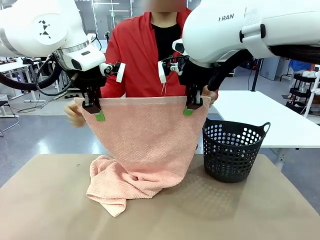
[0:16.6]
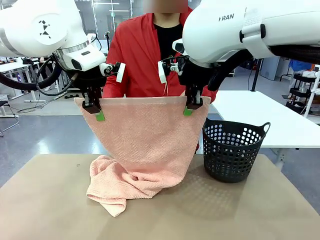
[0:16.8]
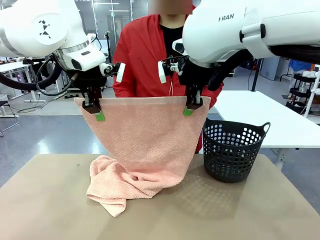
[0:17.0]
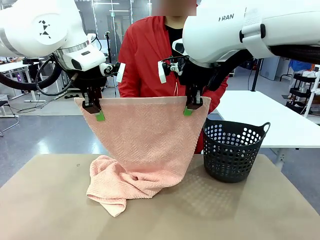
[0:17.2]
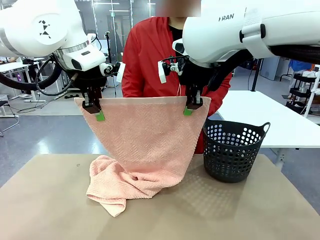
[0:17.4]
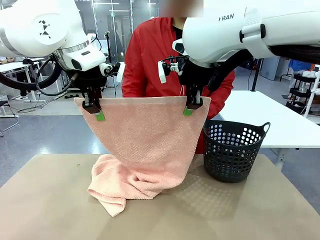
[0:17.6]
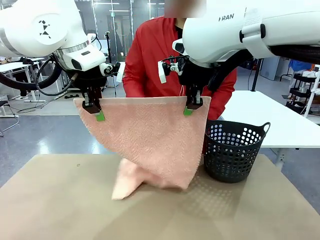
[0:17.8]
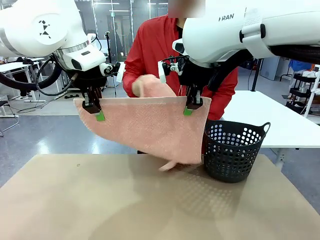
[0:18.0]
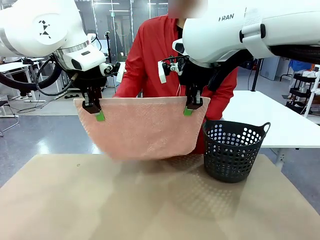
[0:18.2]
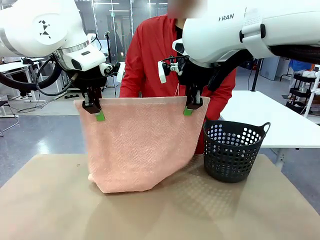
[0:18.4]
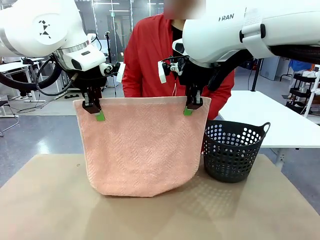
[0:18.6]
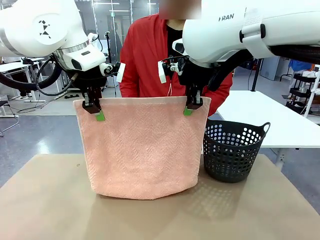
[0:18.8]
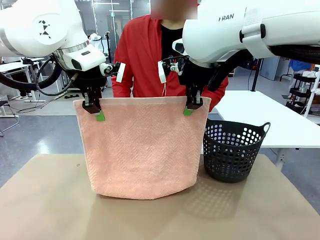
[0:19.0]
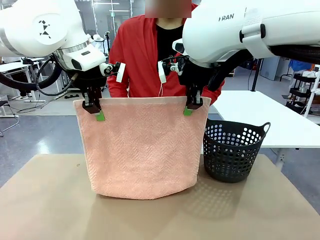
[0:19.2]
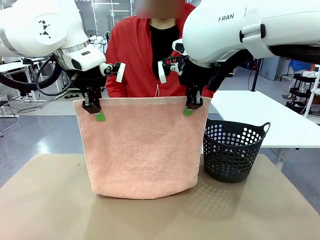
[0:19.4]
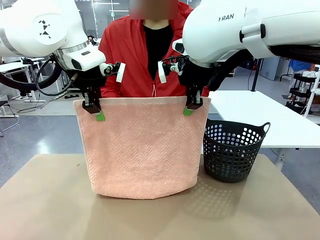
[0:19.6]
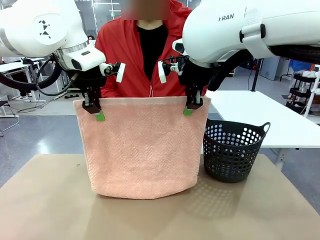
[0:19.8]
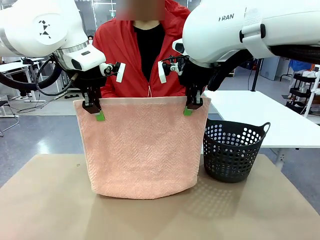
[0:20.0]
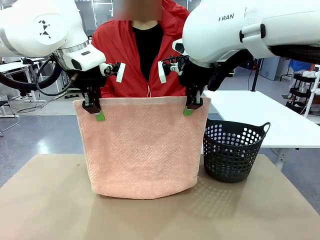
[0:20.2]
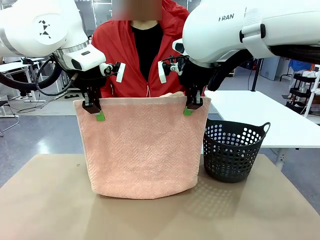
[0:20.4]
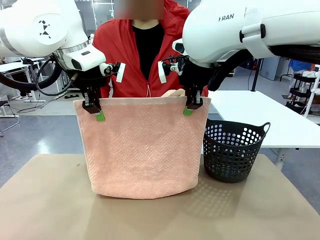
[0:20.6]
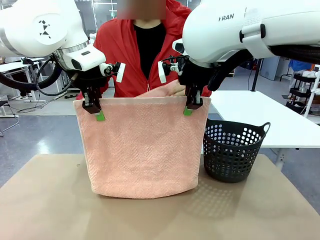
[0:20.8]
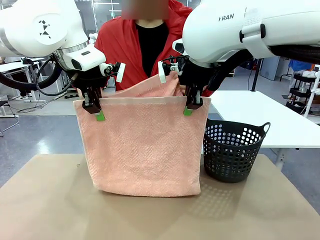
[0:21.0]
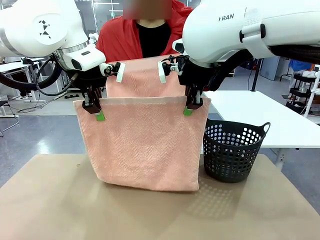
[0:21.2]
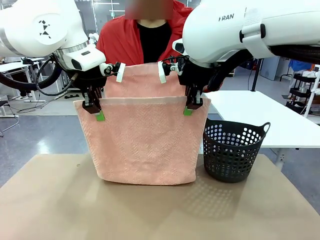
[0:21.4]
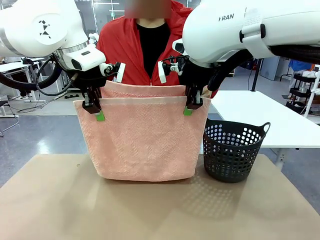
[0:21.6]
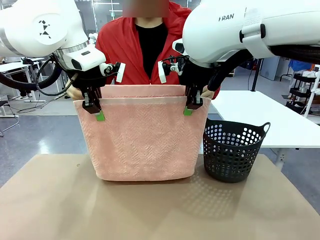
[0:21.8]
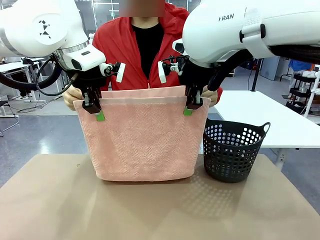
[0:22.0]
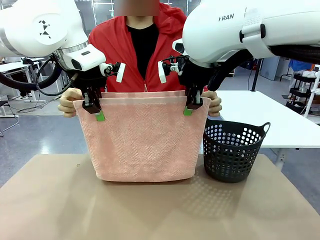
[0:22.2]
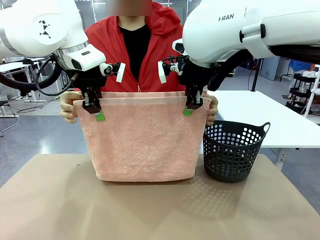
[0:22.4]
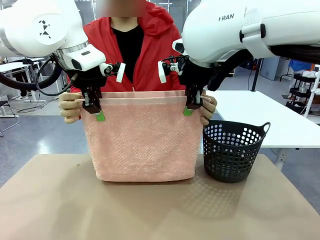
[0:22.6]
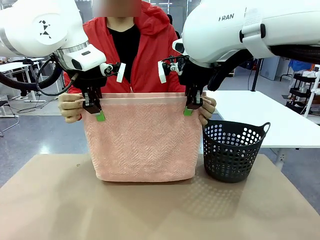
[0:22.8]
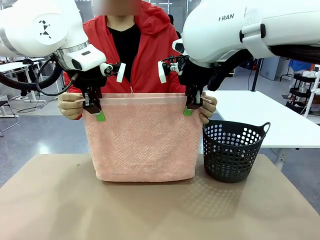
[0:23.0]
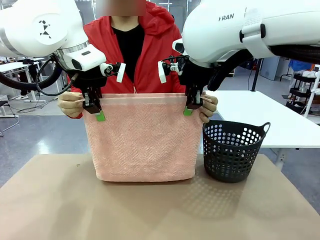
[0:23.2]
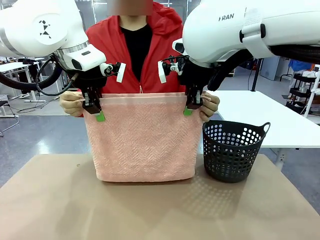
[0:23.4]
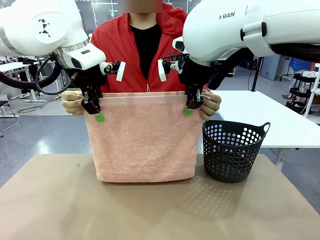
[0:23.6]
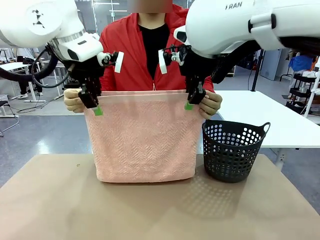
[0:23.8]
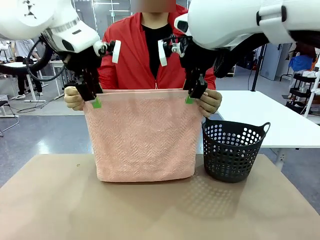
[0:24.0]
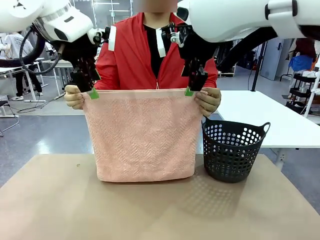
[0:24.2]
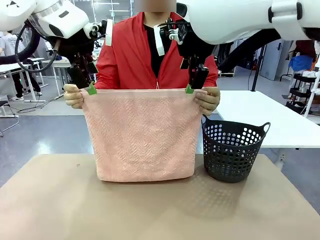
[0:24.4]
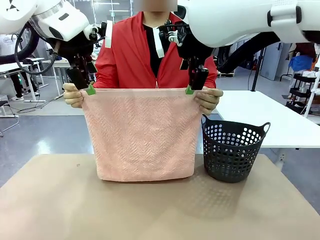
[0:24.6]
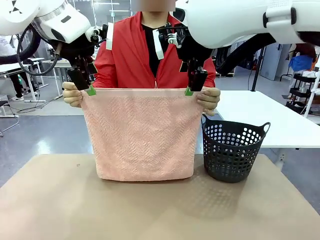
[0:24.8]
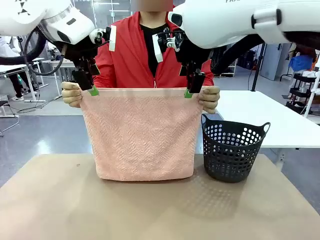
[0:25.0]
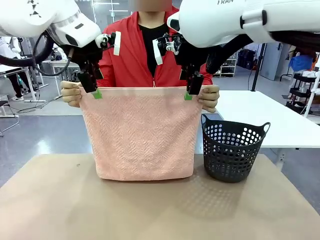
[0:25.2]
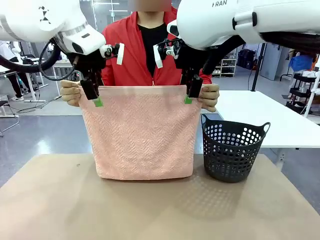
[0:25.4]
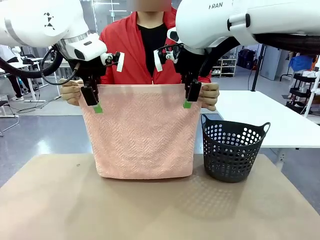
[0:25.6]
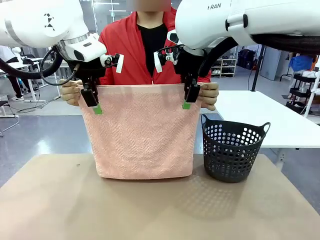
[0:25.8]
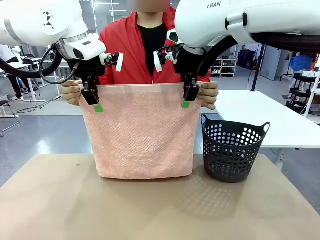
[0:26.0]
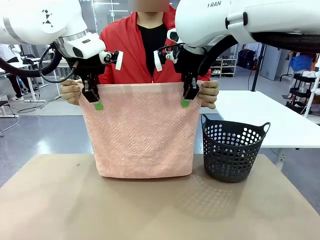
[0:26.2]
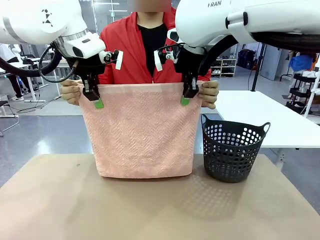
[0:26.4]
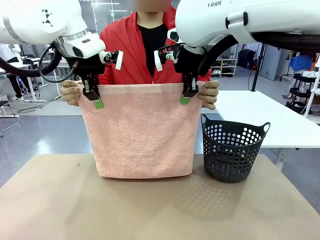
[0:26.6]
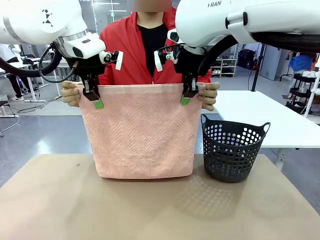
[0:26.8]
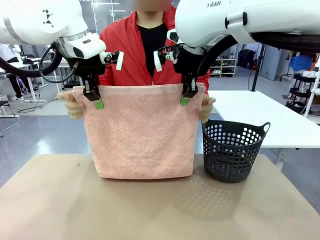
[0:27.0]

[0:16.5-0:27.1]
Task: Fold the towel.
Robot: Release the end of the 100 cm Hotel Towel you were holding and grab the top end of the folded side.
Person: Using the point held by the robot as a reference, grasp the opposite end, fold the towel in half, and then hold both ends of the folded towel.

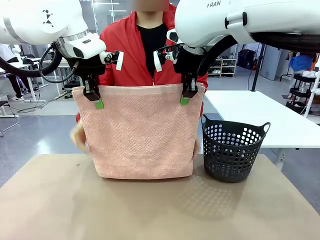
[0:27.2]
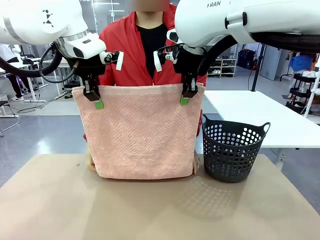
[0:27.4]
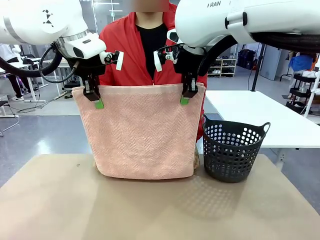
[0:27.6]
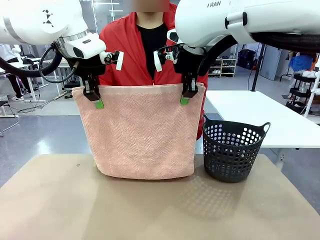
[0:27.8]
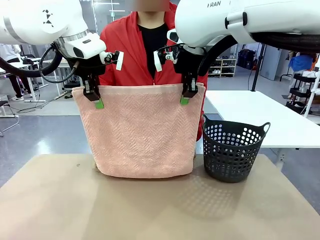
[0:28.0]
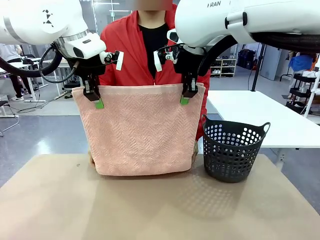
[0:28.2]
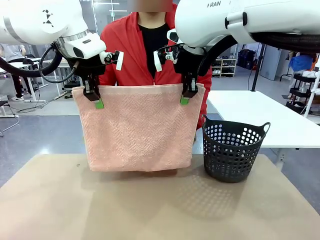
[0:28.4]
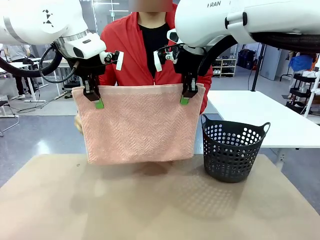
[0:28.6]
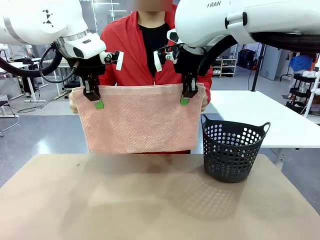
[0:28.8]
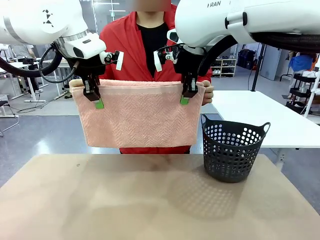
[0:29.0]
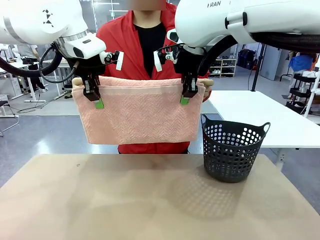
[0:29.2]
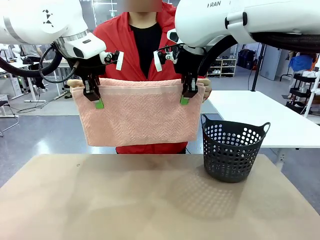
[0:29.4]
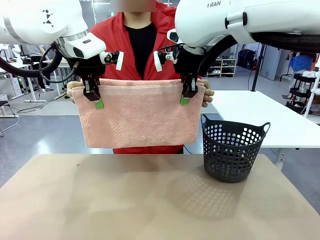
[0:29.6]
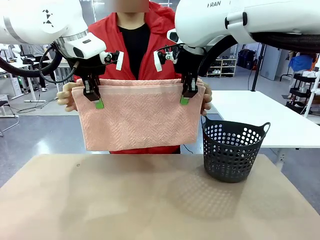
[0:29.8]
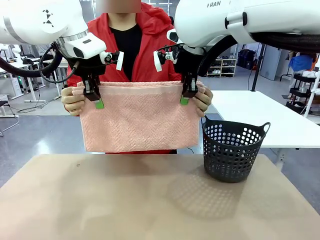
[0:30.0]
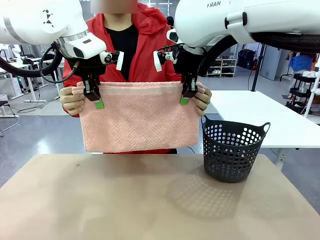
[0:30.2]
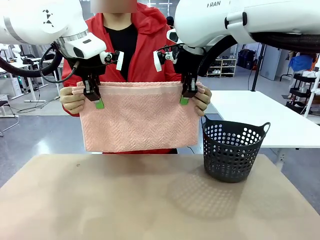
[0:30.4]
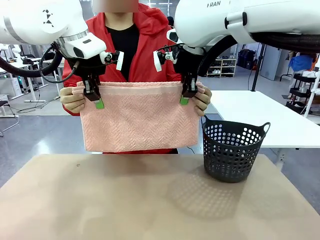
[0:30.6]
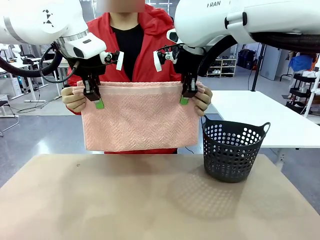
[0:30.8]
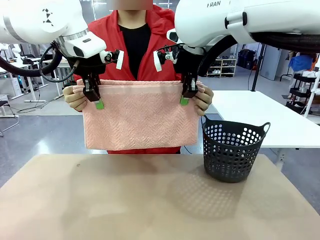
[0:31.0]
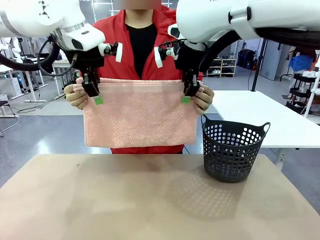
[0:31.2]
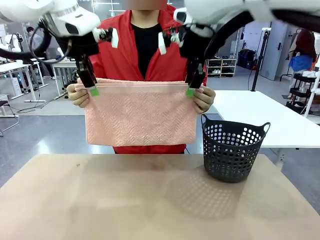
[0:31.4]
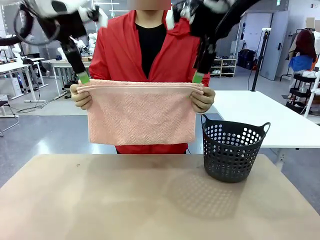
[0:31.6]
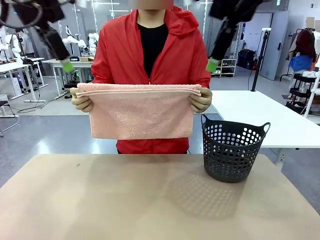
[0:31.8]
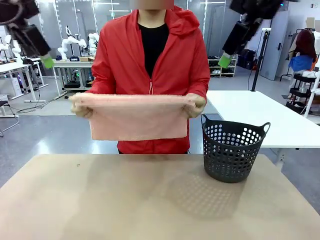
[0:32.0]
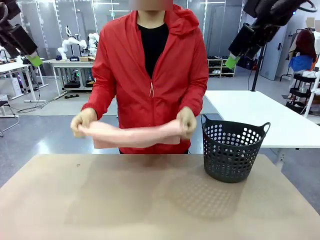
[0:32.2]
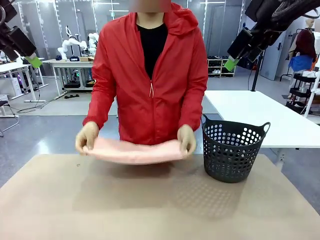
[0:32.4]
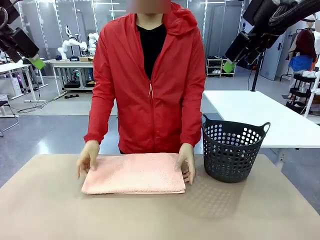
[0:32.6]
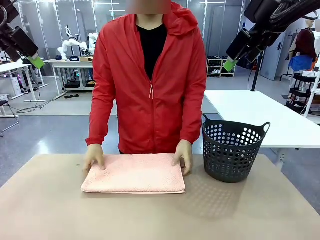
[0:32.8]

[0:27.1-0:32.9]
Robot: Release the end of the 100 cm Hotel Towel you were holding.
Person: Place the towel at the center of the robot table and fold it in half.

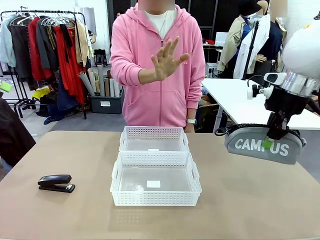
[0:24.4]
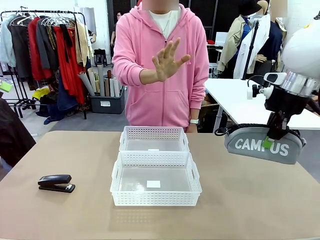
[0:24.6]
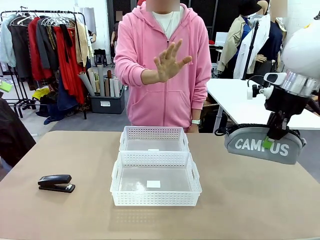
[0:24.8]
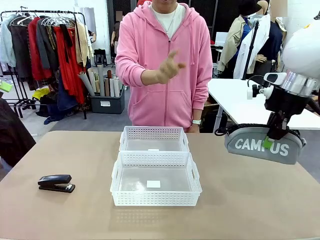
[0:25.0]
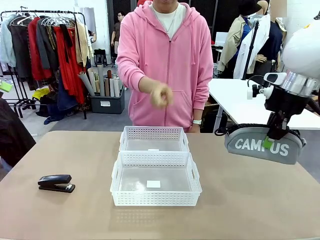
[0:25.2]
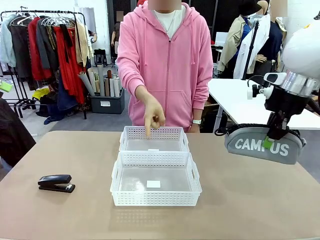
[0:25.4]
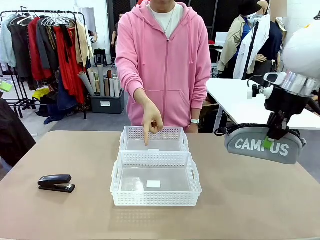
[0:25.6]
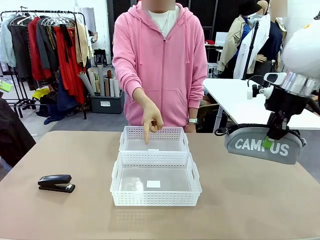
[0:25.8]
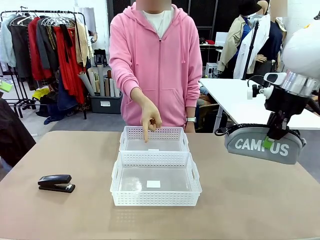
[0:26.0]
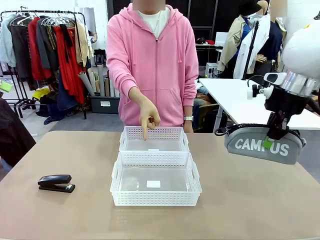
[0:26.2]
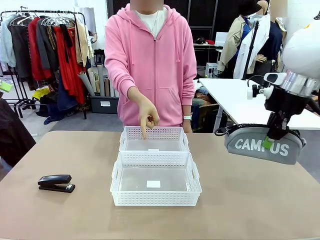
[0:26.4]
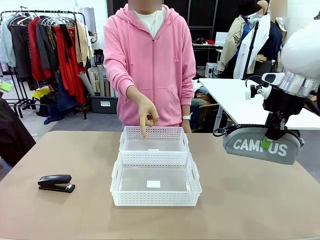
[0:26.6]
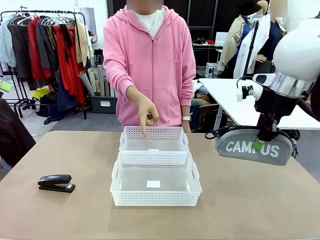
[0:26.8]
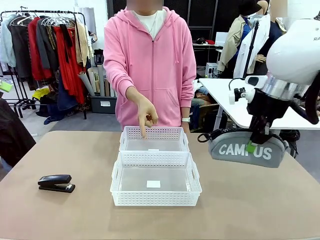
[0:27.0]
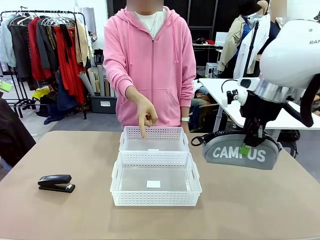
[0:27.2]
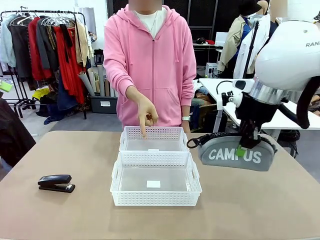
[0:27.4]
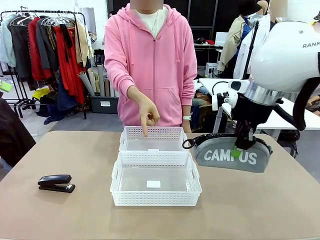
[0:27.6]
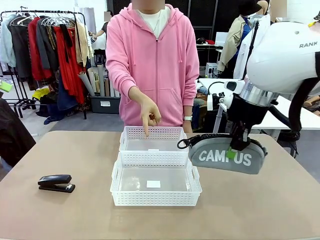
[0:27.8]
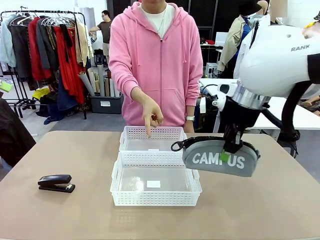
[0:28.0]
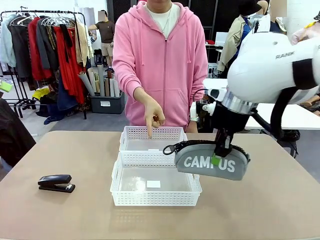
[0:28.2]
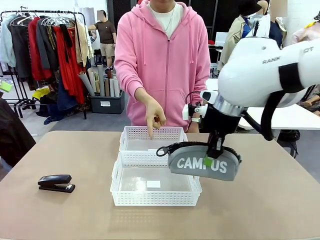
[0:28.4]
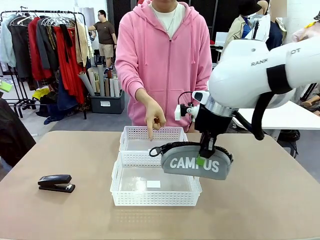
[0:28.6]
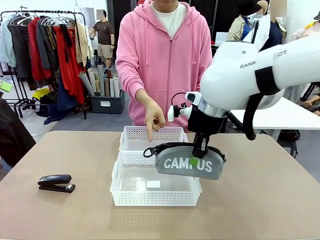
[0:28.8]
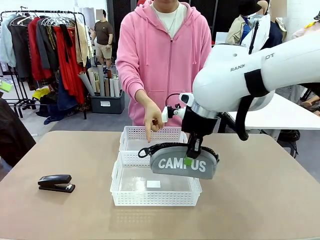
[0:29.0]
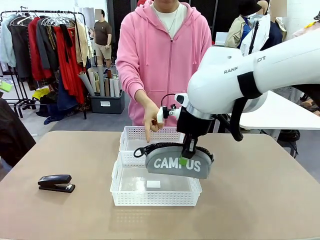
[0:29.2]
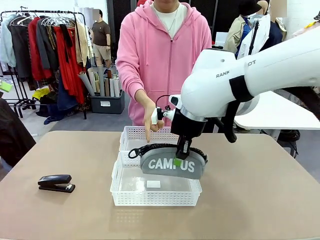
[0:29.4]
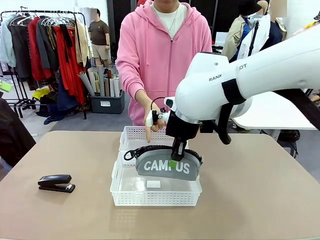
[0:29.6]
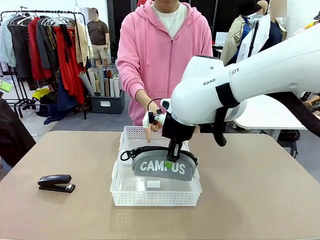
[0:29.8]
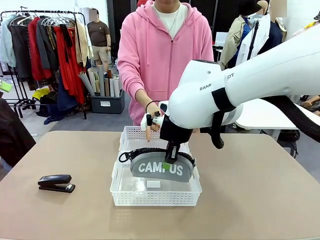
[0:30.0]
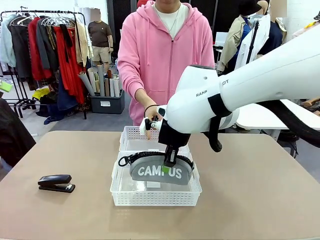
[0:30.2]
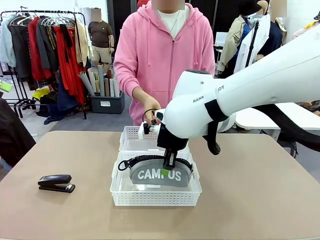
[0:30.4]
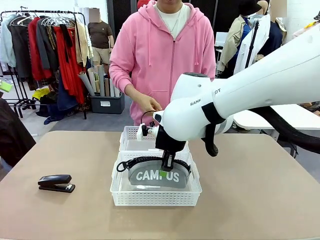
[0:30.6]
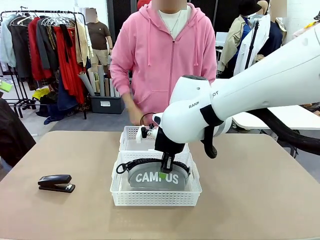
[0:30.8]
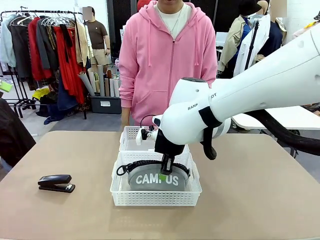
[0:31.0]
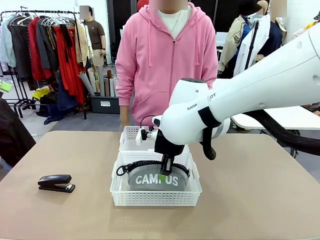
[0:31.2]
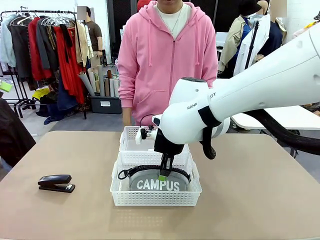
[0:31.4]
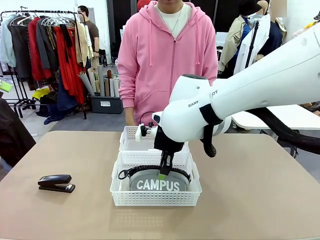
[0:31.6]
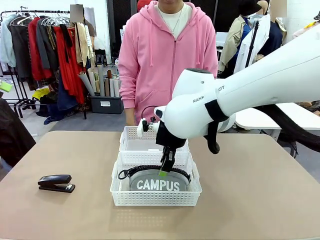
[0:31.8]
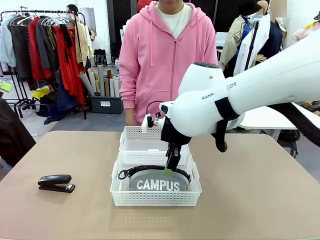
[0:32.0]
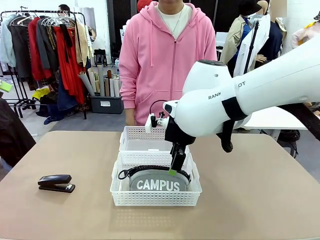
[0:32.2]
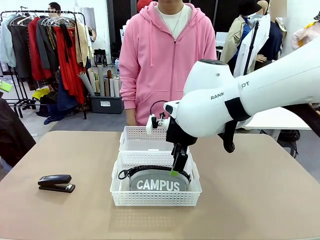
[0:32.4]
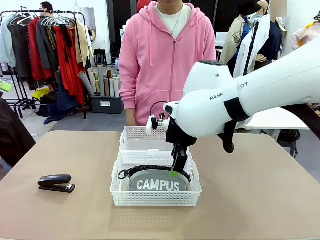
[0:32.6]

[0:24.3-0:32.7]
Task: Distribute items into two baskets.
Robot: Place the picked Pencil pouch into the Organizing basket as instructed by the person.
Person: Instructs the robot to place the pencil case into the opposite basket. Points to the stapler.
